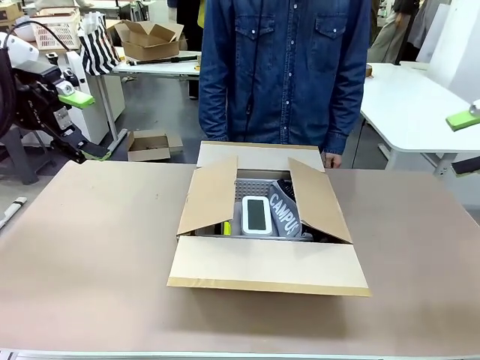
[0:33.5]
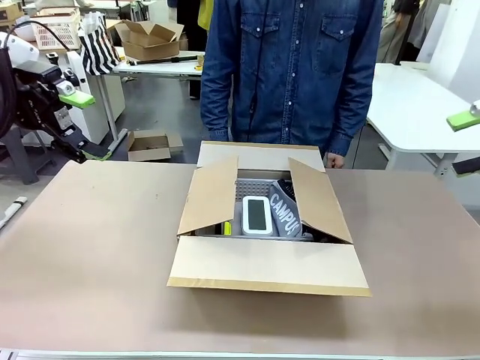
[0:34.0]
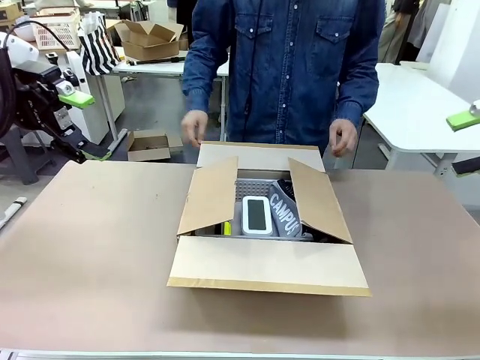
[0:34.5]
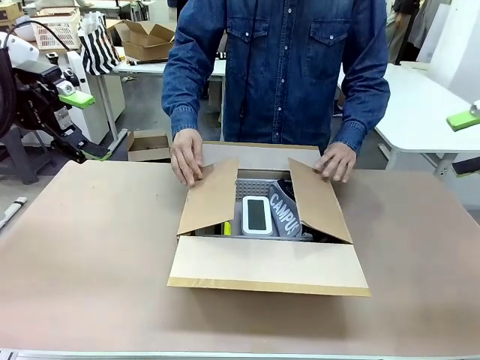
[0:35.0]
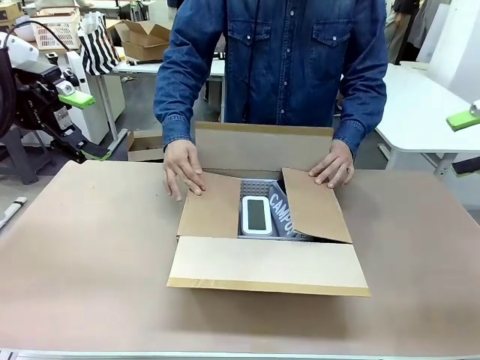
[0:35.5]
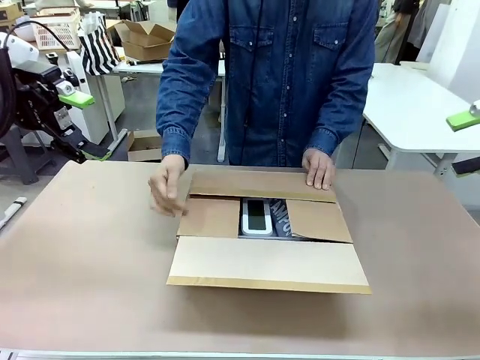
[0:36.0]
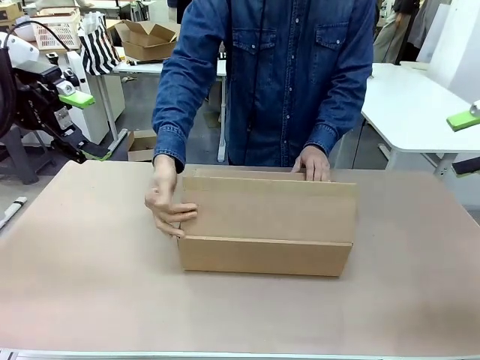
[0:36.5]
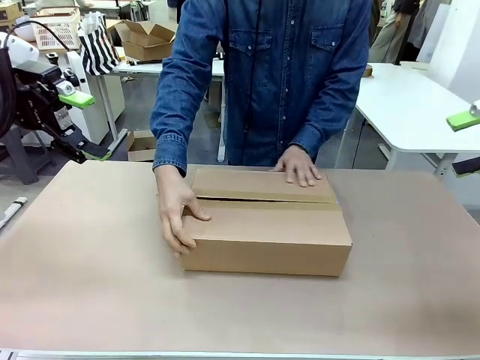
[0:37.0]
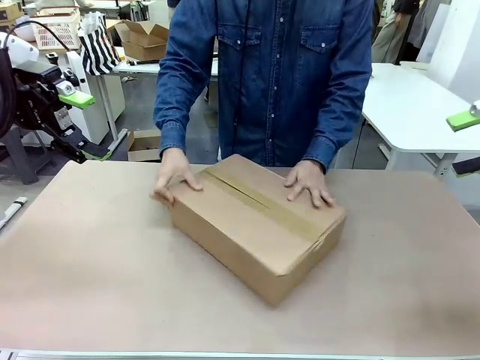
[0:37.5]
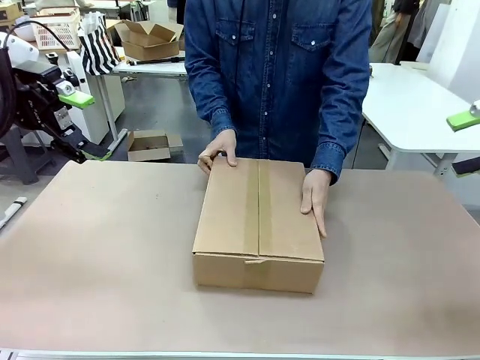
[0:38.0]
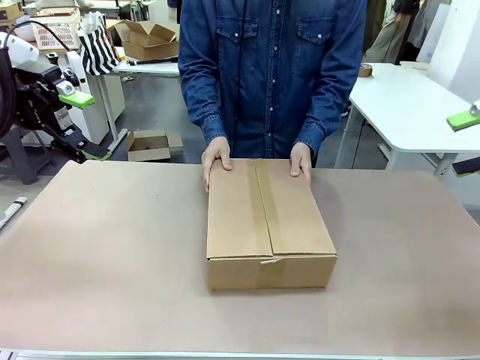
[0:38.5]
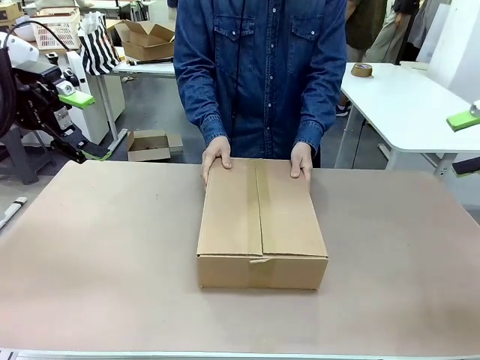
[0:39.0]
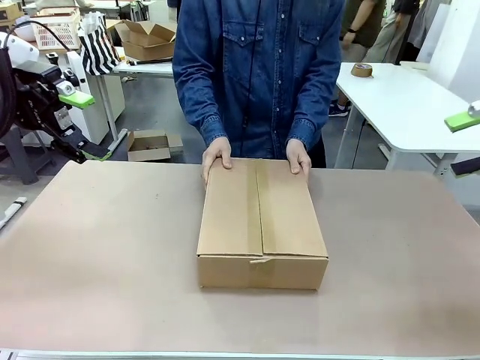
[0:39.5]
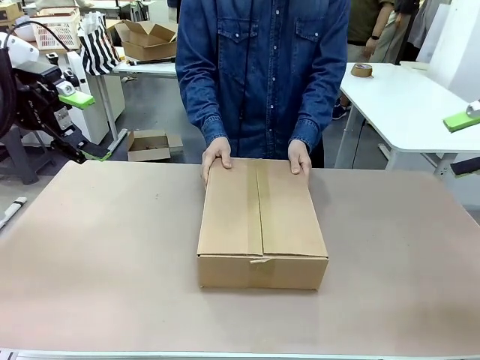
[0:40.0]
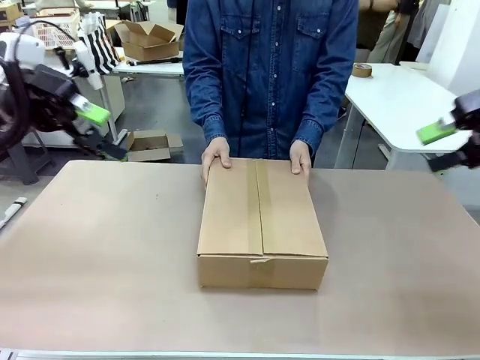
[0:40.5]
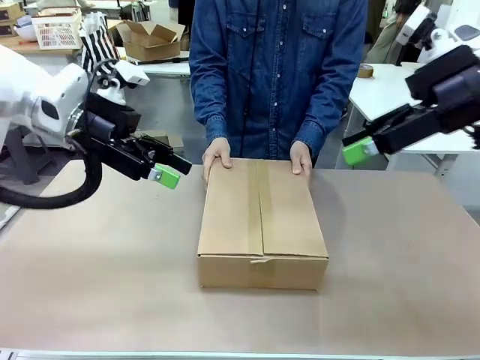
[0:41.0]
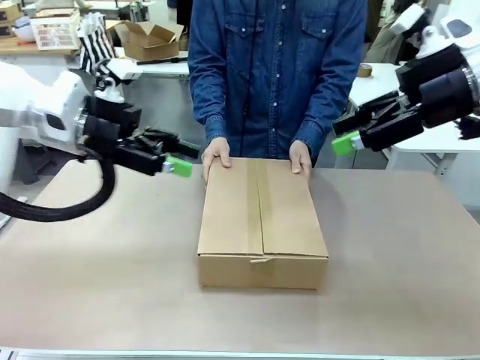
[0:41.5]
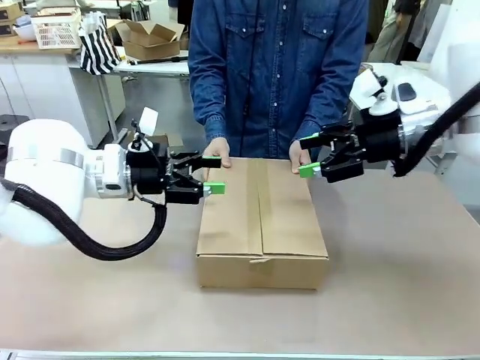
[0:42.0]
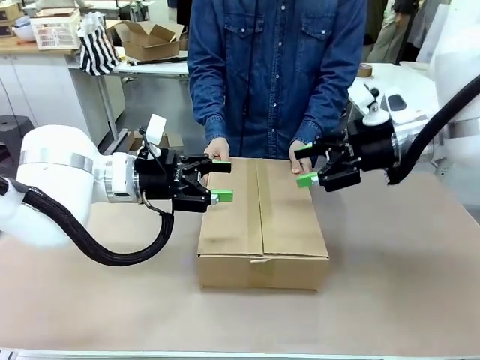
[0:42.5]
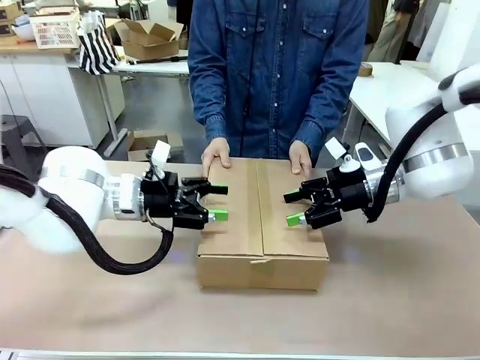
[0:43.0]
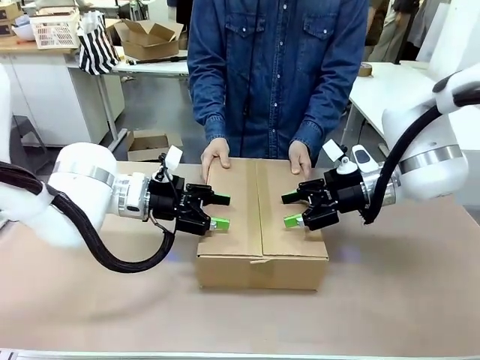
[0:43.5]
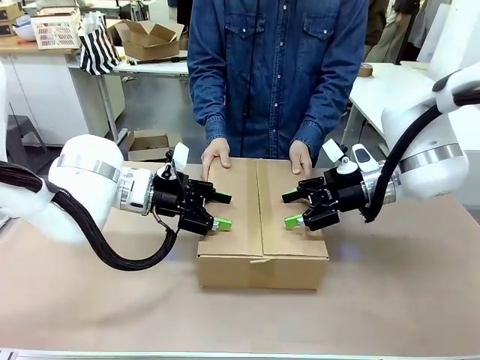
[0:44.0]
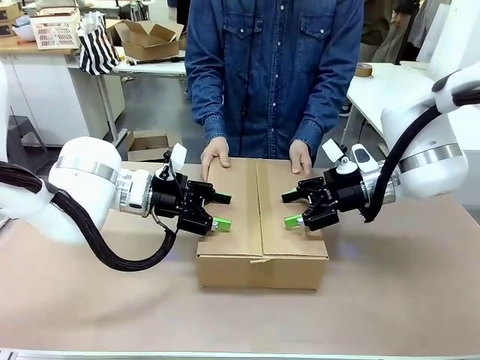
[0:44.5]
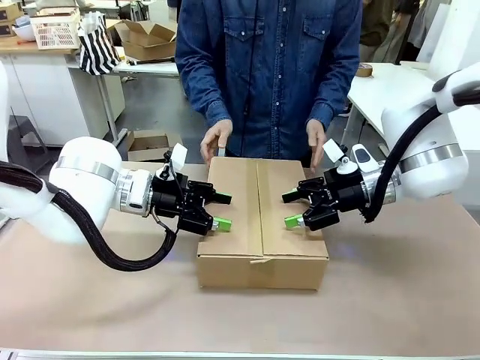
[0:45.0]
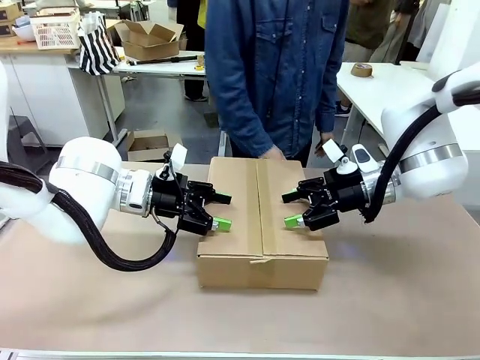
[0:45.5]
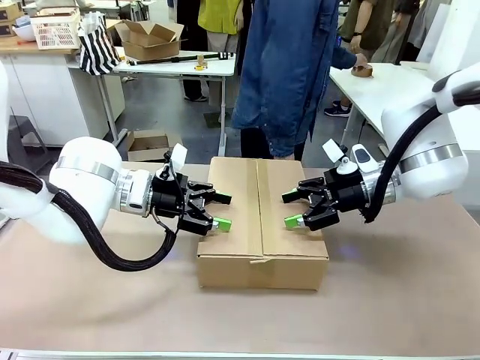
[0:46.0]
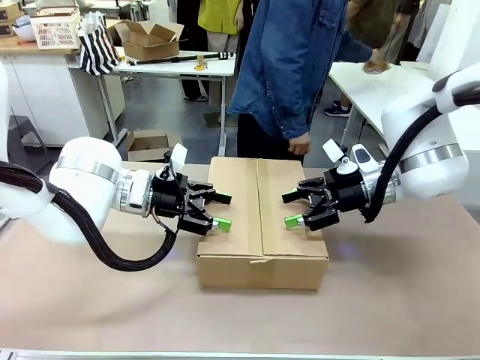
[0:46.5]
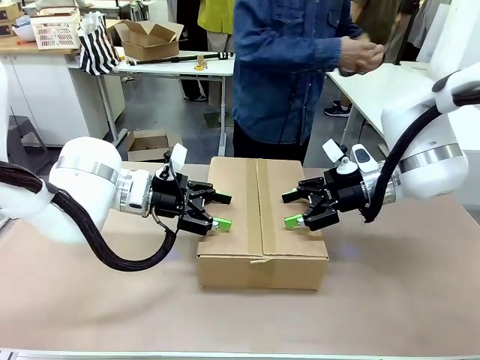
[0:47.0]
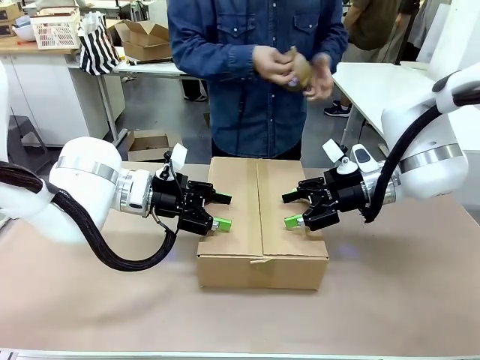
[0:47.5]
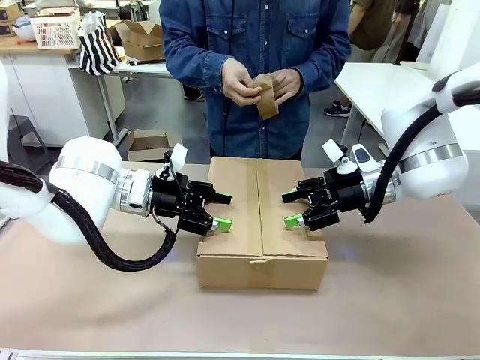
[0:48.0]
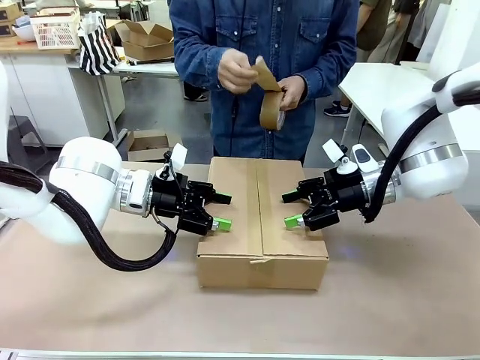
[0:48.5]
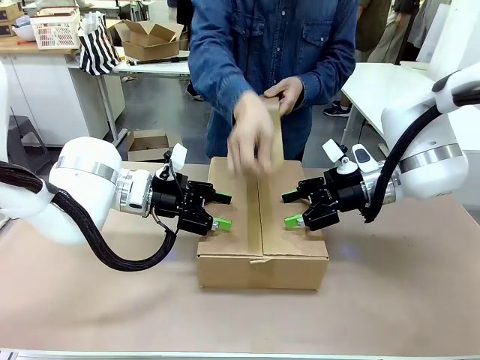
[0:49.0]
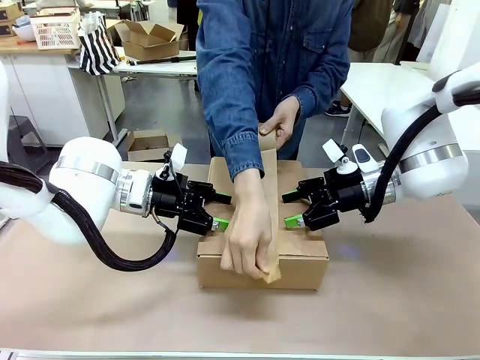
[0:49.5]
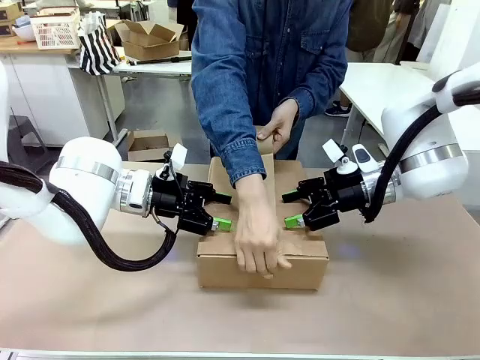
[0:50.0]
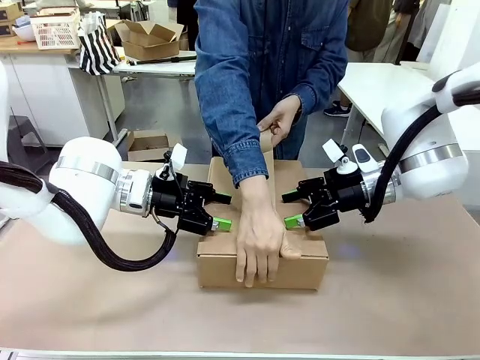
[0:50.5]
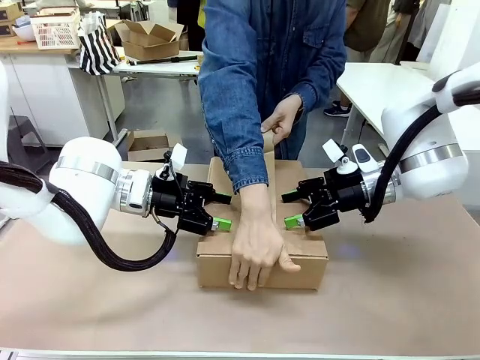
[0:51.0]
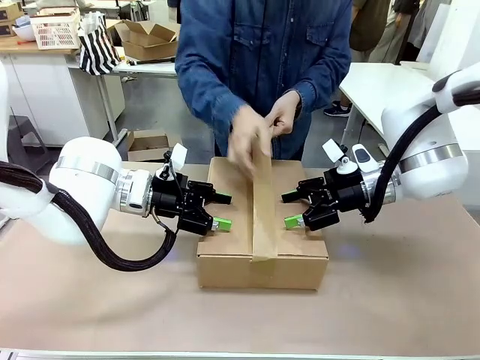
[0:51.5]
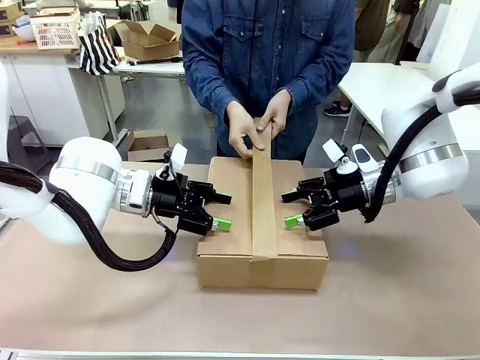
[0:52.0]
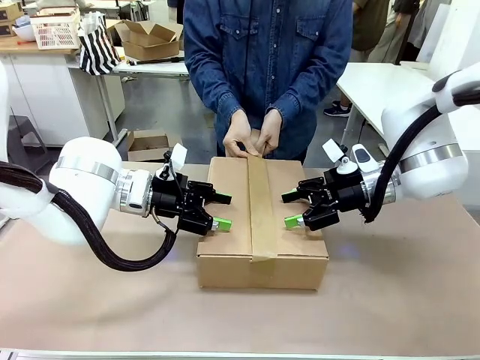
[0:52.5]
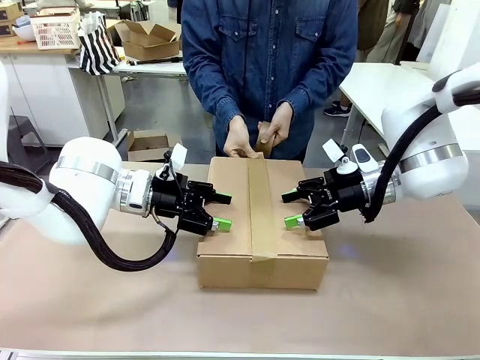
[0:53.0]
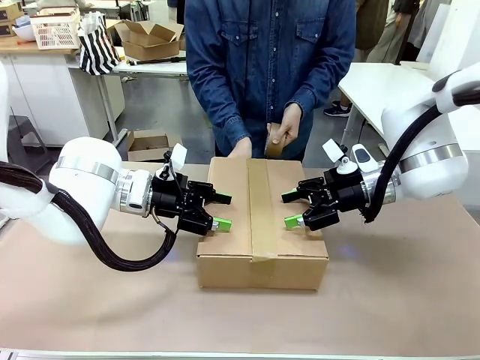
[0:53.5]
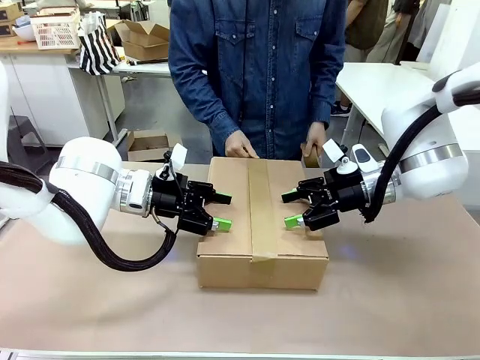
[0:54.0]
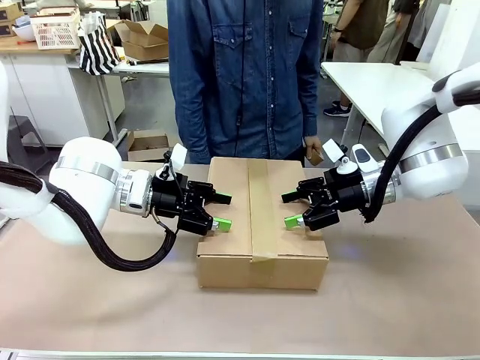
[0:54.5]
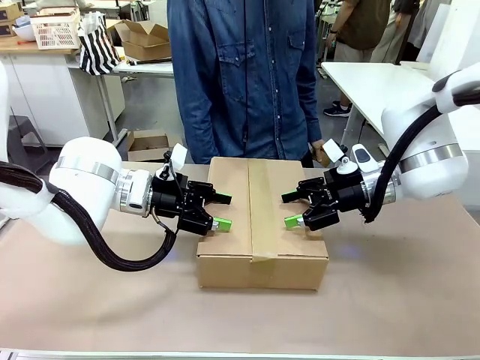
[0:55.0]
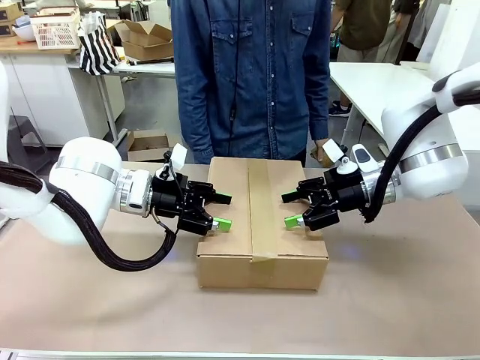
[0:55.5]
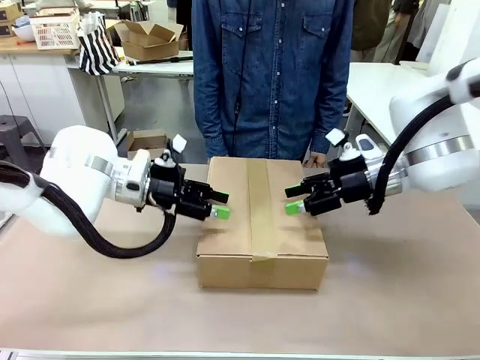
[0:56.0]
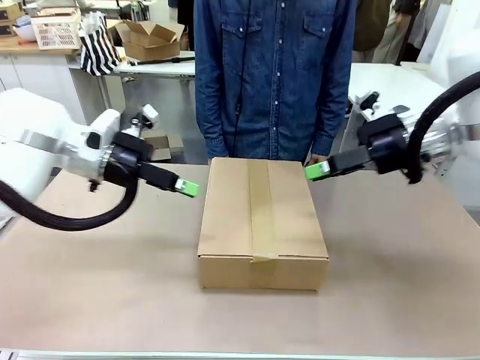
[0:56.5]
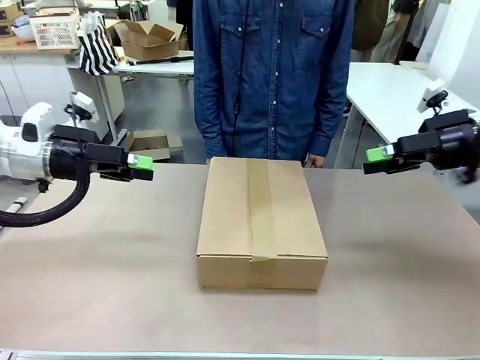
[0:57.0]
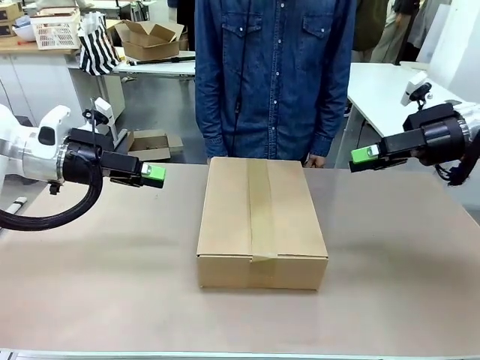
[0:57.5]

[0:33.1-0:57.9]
Task: Pack the gift set into the box.
Robot: Press and hold the closed box until the human finishes sealing it.
Person: The human closes the box and rotates the box by 90 degrees. The human picks up the paper tape from the human table and packs the box.

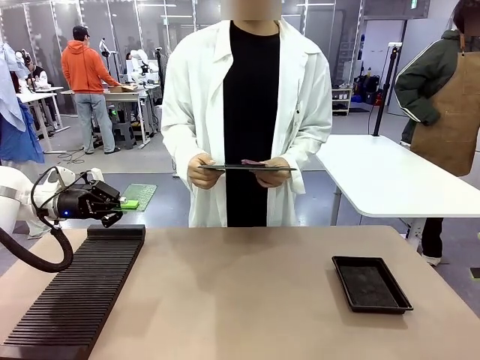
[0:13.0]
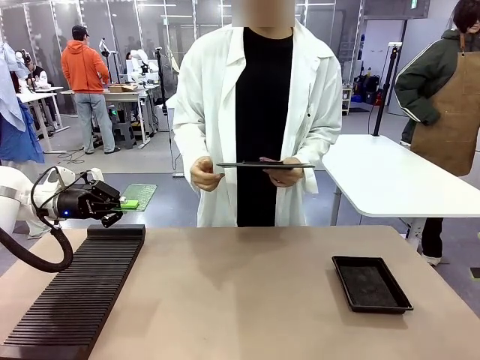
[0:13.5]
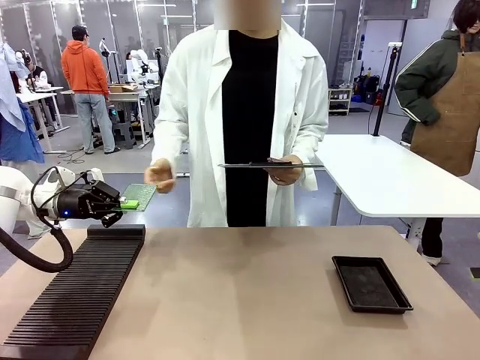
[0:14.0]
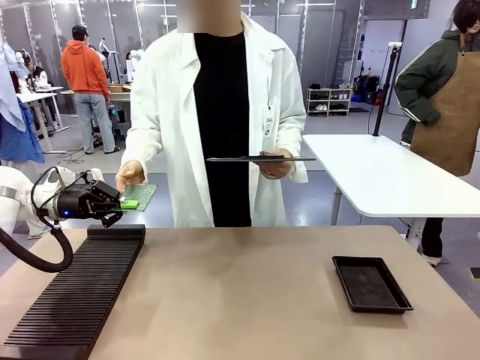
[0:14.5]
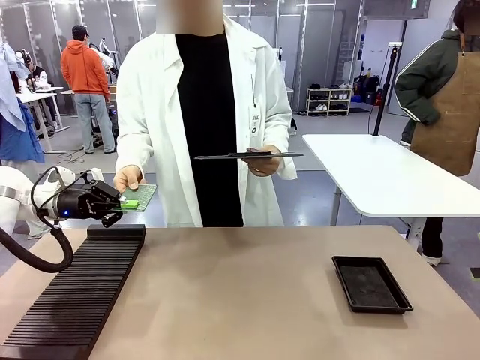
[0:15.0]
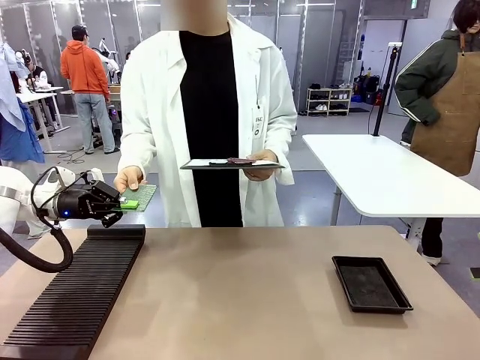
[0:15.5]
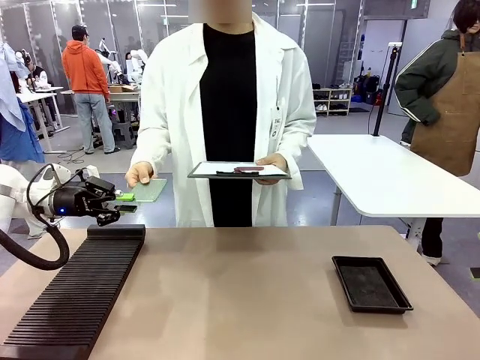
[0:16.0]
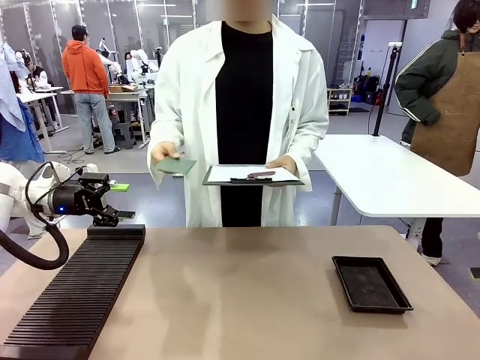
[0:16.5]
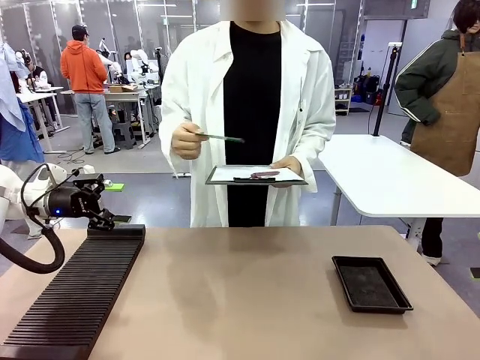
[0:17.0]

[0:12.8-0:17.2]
Task: Inspect the PCB.
Robot: Release the Blank PCB you were holding.
